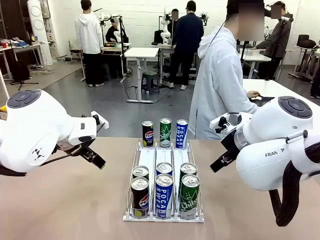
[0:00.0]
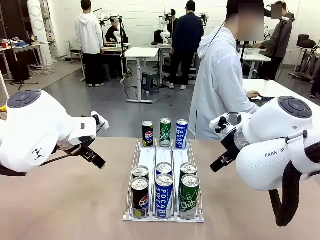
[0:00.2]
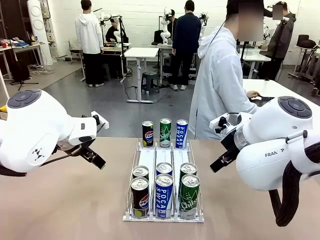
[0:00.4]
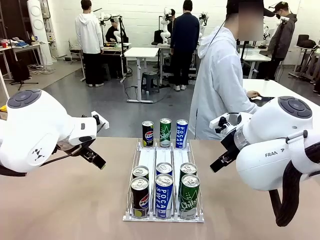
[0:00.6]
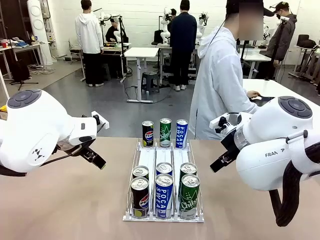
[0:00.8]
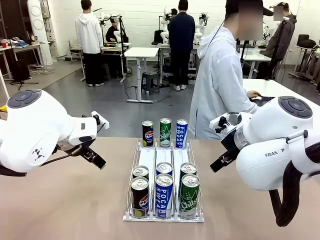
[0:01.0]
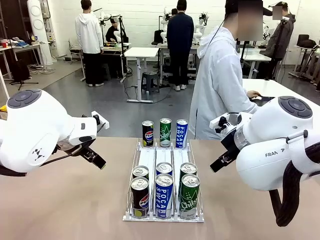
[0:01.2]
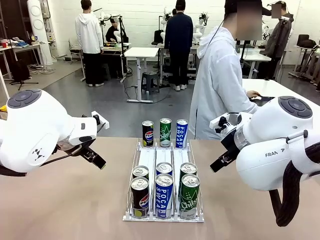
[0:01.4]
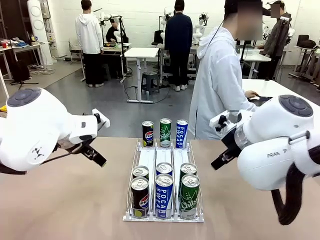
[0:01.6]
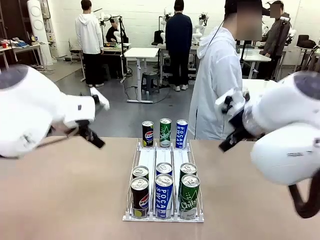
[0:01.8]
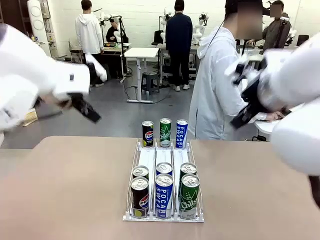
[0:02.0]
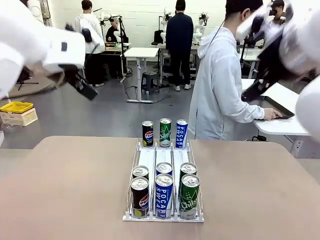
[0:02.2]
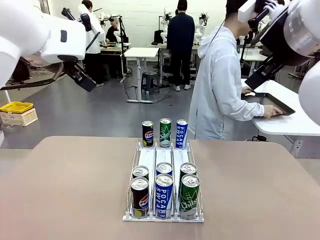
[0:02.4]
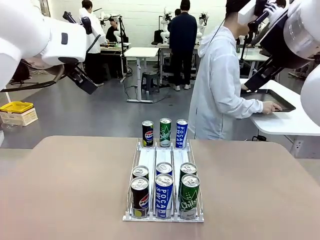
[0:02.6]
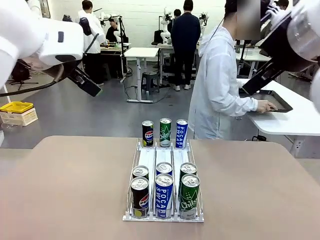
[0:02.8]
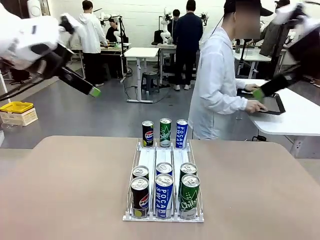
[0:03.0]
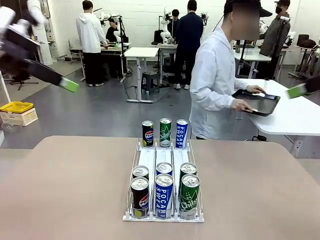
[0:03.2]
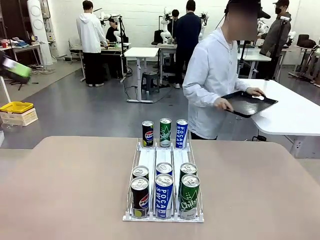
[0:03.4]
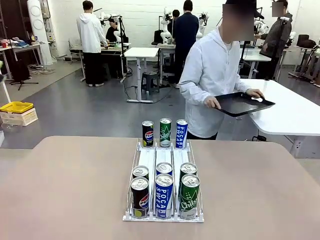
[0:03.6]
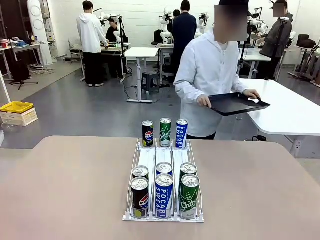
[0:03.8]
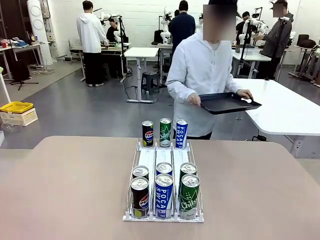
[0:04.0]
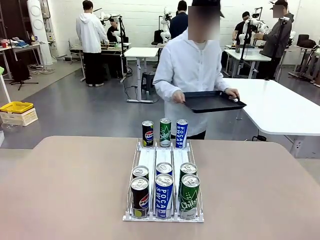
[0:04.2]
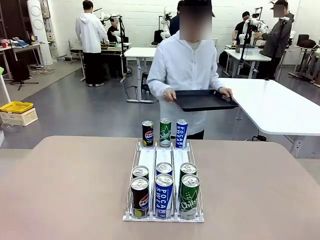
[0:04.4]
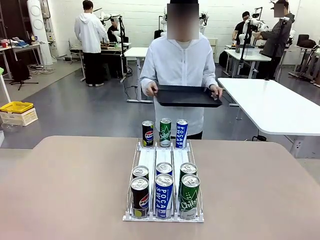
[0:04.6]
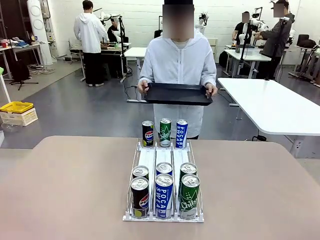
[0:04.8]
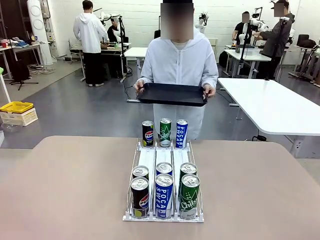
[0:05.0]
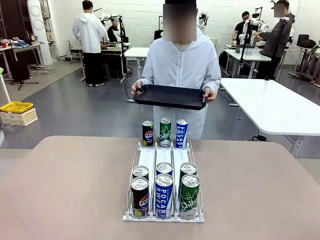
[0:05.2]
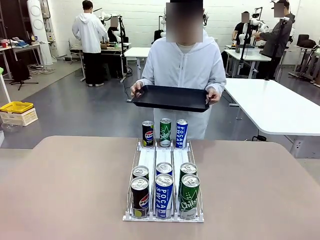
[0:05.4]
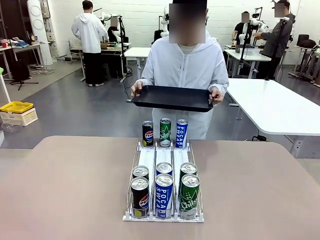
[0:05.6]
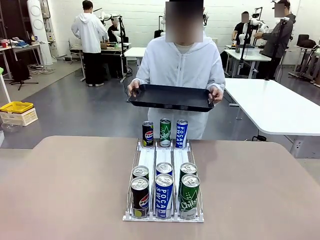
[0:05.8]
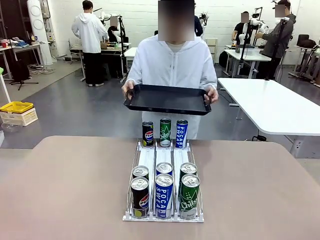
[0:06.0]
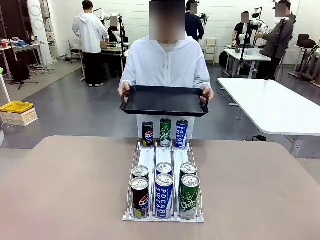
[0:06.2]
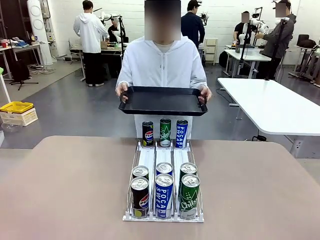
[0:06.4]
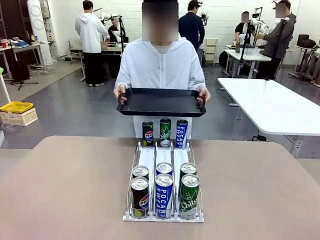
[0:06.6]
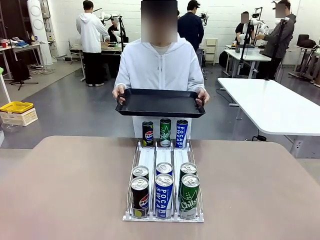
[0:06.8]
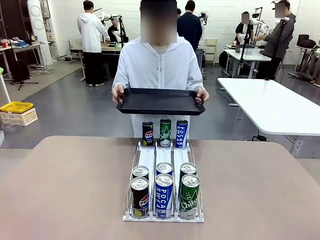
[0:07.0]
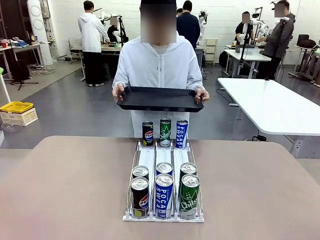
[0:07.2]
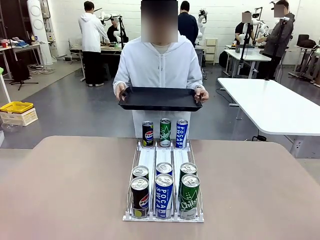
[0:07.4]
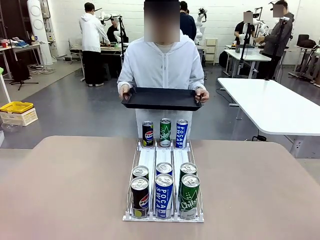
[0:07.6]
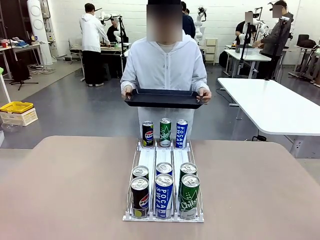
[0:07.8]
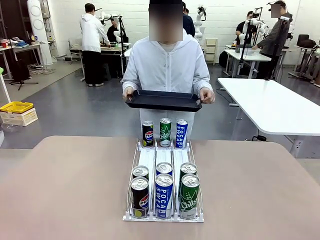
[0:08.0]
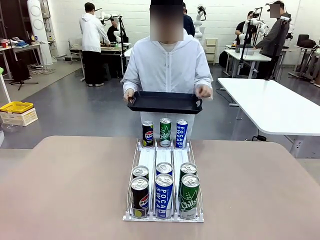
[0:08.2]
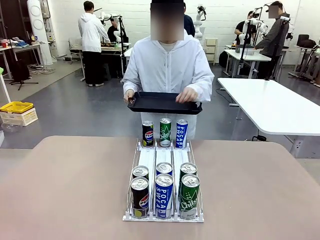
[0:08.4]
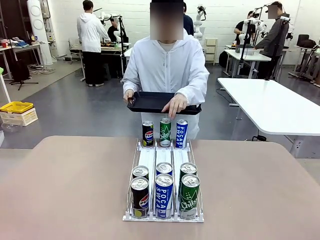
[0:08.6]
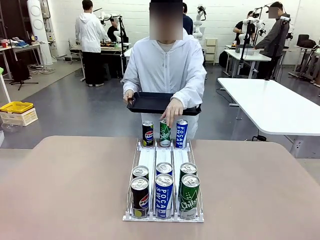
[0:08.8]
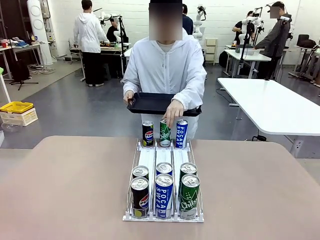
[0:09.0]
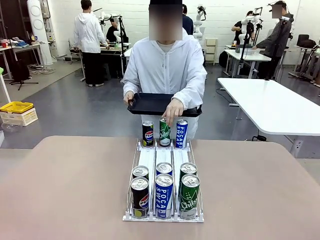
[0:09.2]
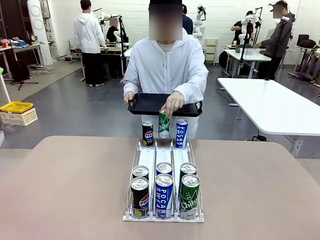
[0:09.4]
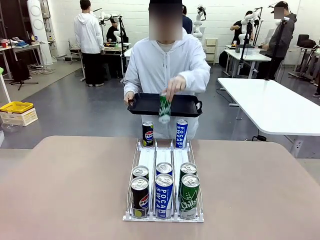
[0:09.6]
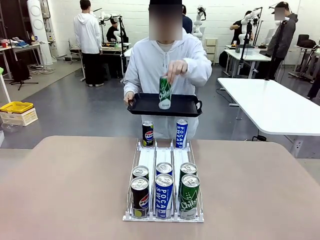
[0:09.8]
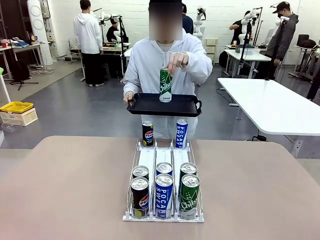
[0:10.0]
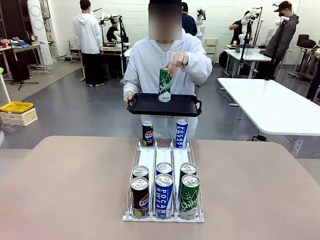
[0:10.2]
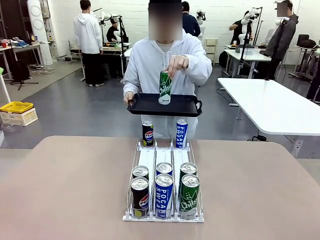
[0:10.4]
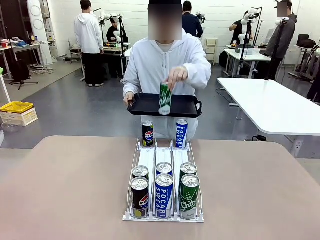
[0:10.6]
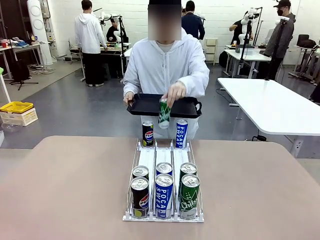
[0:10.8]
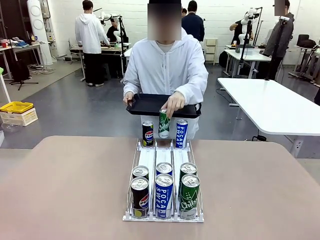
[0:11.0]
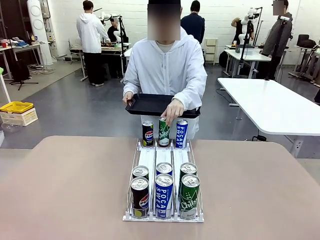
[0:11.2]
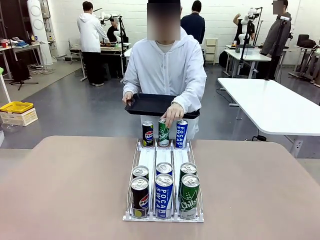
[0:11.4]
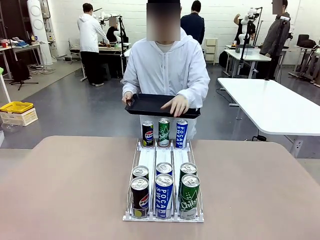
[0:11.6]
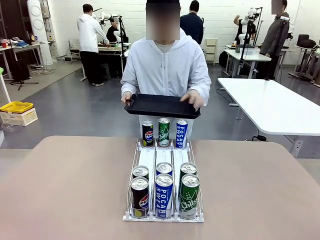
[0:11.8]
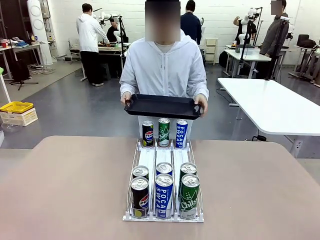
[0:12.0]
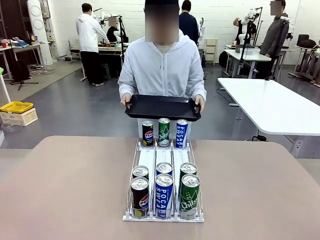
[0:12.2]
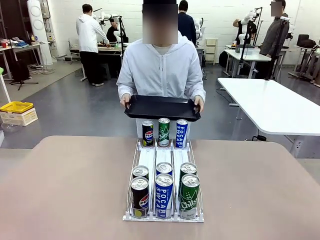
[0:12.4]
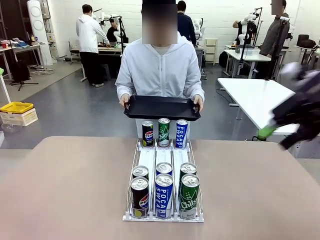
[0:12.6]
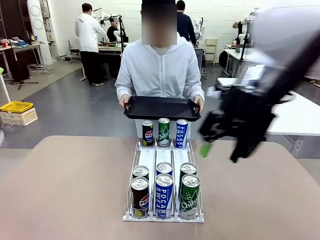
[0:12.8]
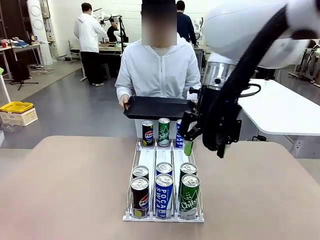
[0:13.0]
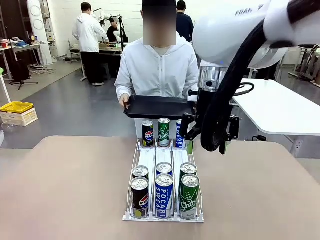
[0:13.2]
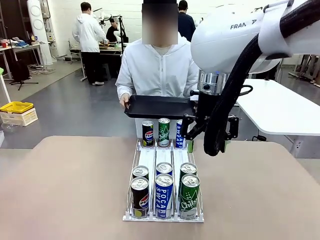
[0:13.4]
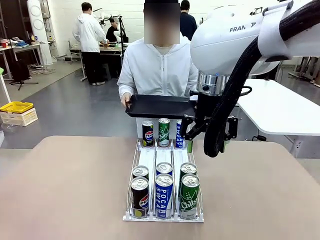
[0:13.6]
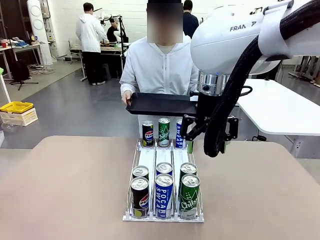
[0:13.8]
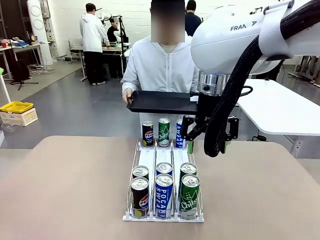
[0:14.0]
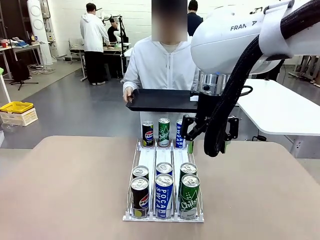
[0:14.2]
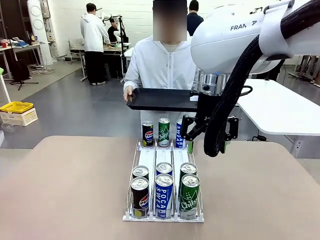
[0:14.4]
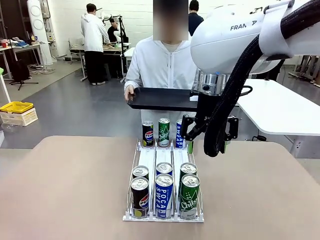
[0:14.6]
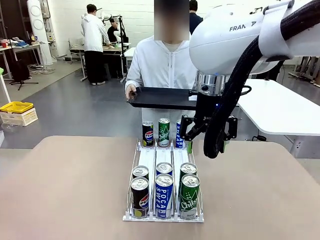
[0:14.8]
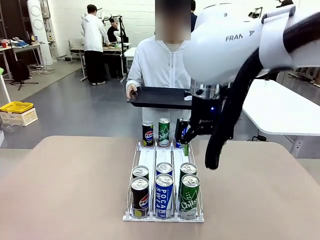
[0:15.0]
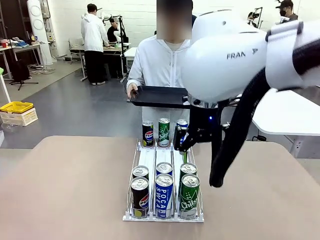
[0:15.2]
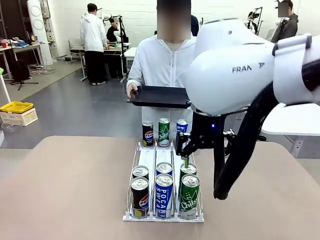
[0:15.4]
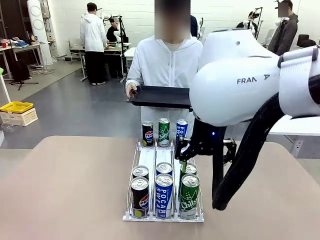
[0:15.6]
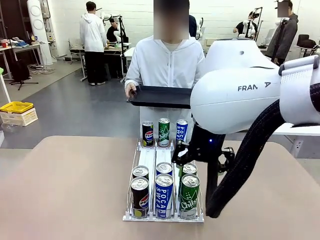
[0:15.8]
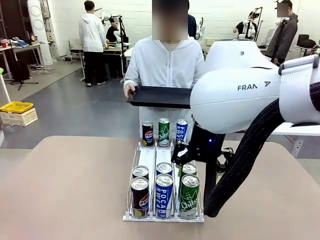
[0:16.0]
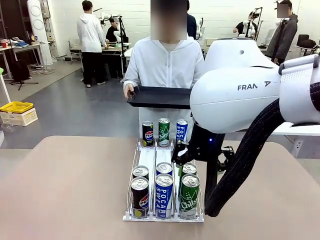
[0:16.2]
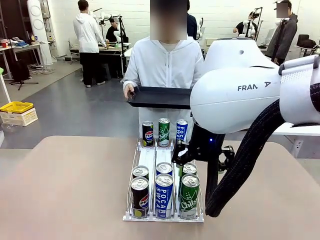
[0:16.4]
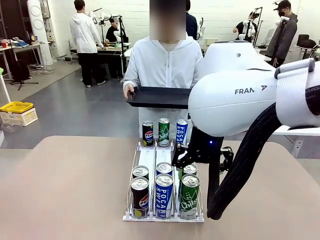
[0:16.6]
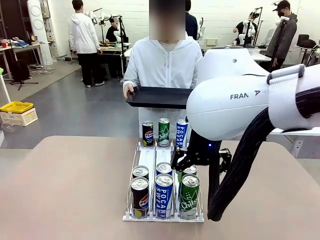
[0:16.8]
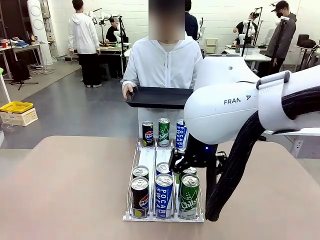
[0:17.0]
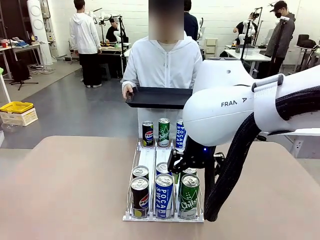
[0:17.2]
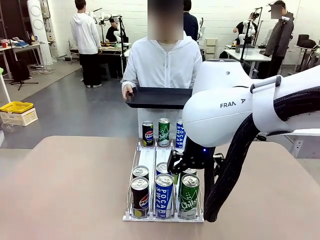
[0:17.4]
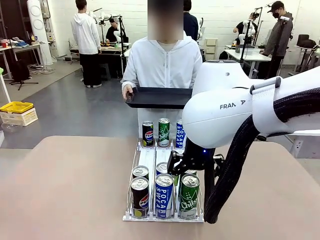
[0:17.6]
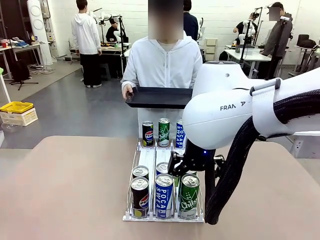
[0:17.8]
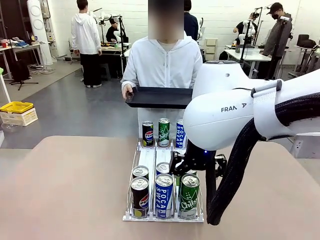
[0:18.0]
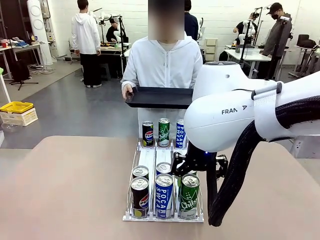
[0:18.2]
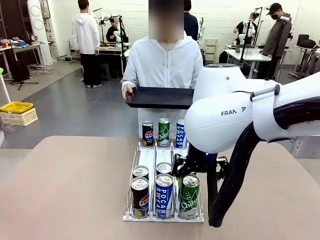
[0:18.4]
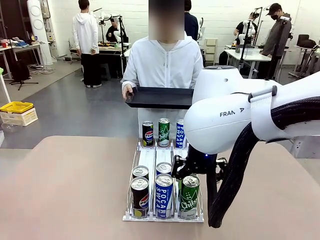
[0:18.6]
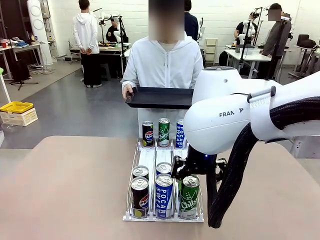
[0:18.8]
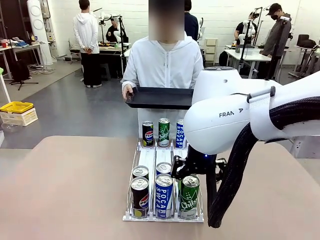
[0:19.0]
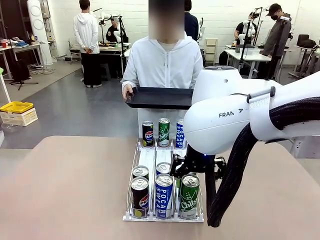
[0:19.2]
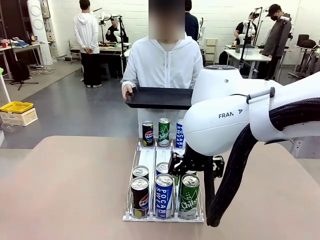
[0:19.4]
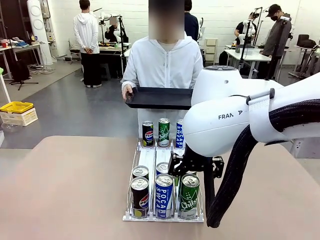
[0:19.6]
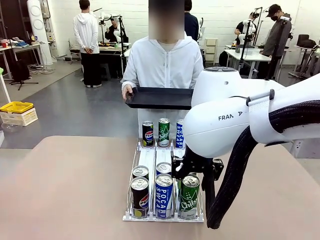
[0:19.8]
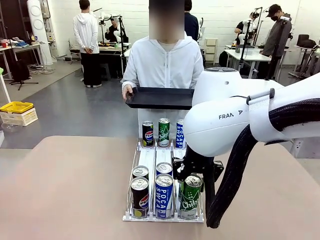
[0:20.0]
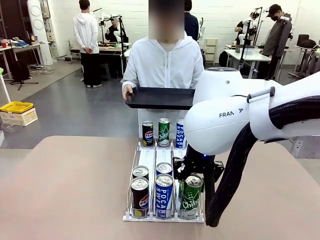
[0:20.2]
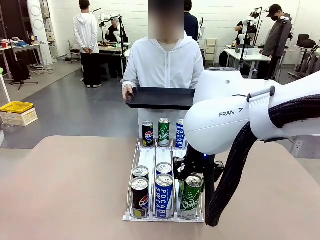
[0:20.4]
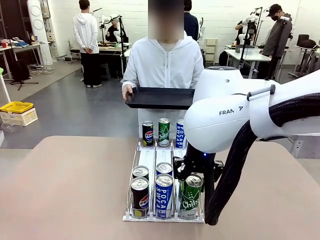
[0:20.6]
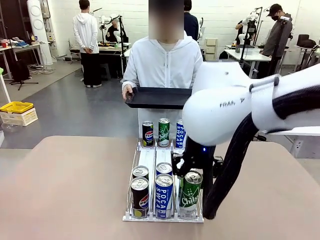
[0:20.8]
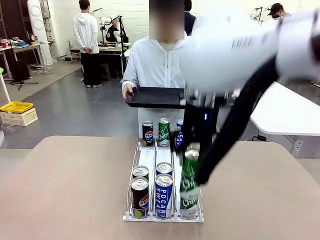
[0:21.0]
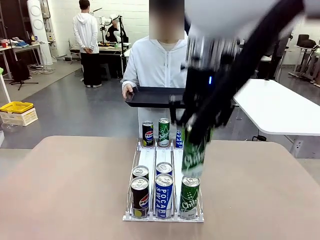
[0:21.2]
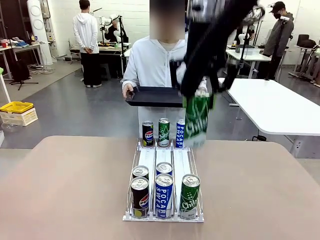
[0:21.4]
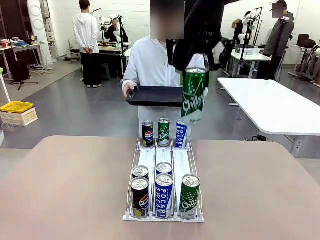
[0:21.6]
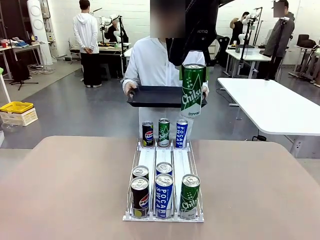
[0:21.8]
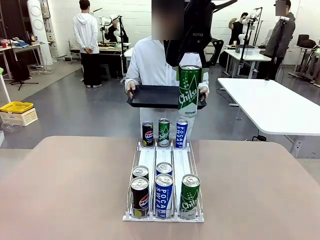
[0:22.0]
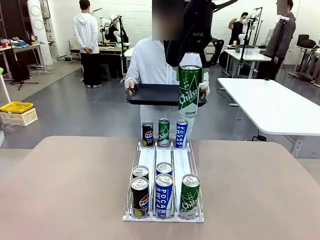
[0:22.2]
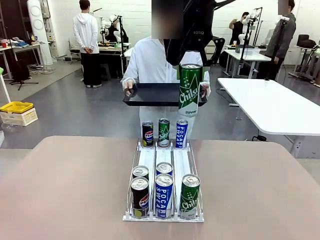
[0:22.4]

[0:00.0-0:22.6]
Task: Retrieve and hand over the desired beverage to the person.
Robot: Pick up a can of the same type that the person held from the Automatic Can Dispenser.
Person: Hold the tray and position yourself in front of the robot table. Pick up one can from the bottom area of the table and puts it back in its original place. Push the tray toward the robot.
